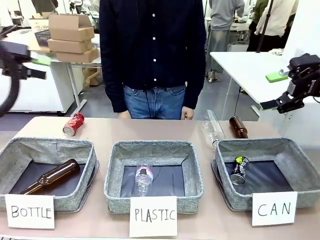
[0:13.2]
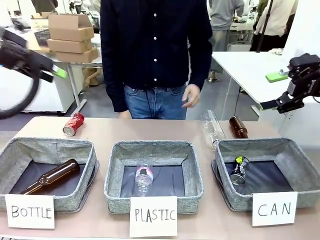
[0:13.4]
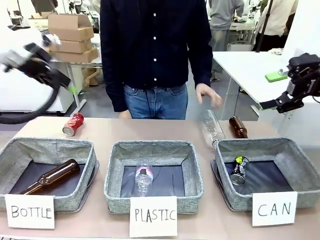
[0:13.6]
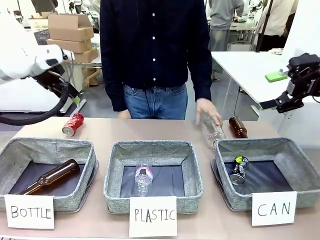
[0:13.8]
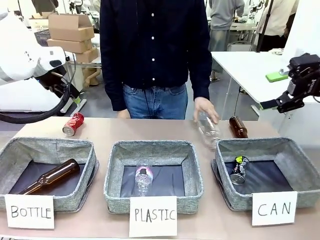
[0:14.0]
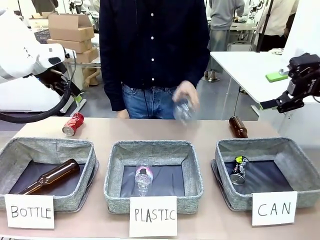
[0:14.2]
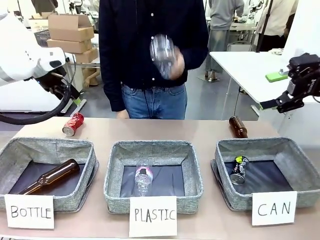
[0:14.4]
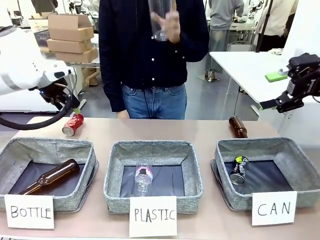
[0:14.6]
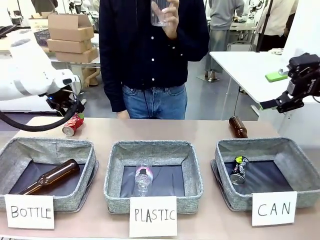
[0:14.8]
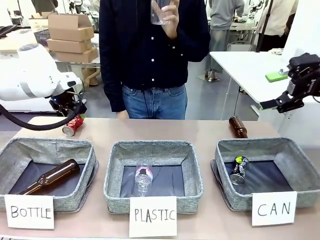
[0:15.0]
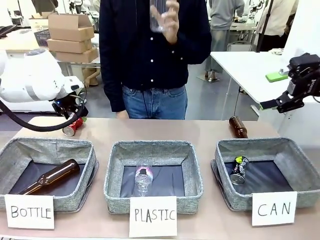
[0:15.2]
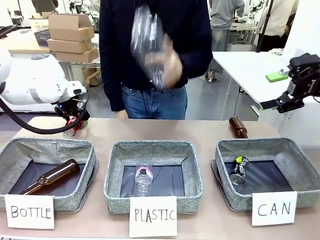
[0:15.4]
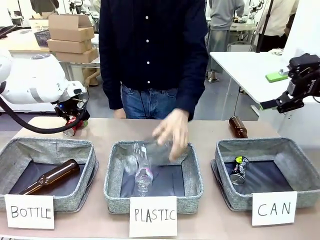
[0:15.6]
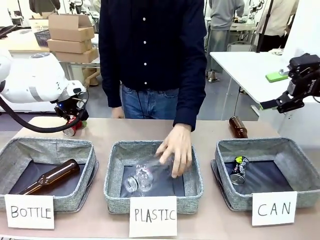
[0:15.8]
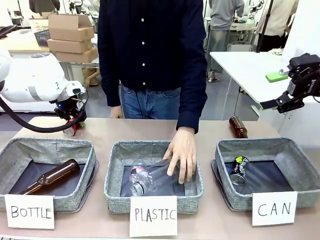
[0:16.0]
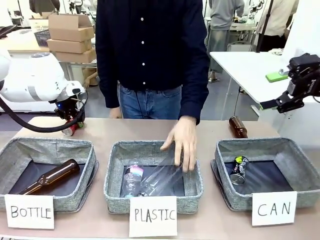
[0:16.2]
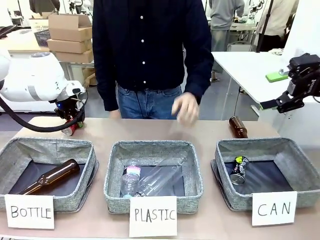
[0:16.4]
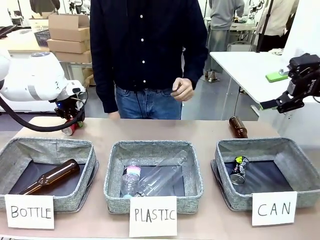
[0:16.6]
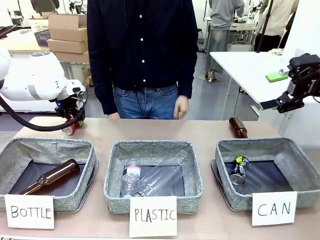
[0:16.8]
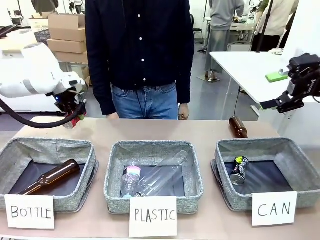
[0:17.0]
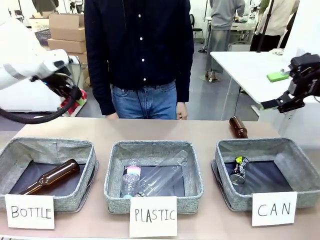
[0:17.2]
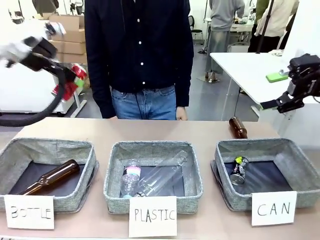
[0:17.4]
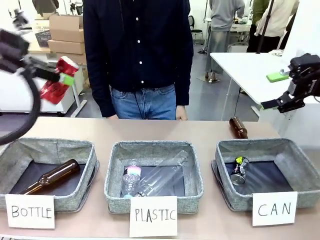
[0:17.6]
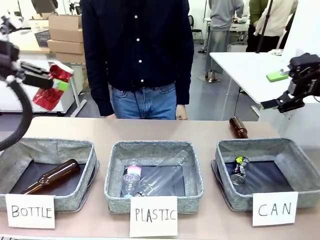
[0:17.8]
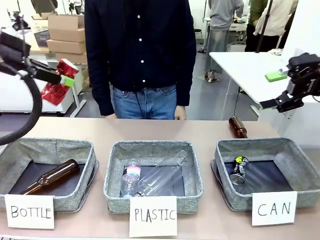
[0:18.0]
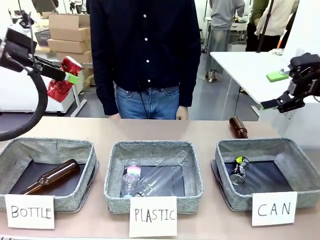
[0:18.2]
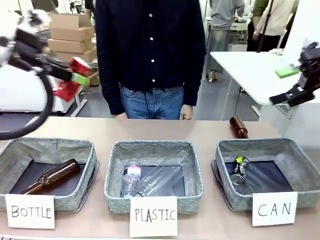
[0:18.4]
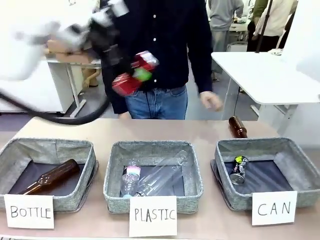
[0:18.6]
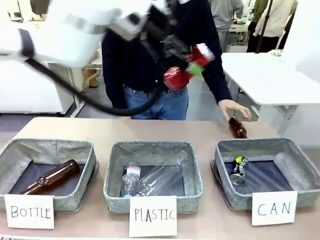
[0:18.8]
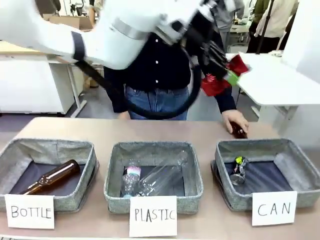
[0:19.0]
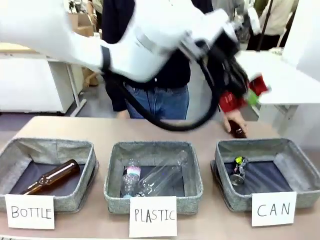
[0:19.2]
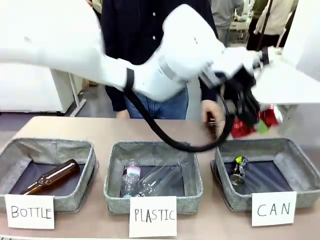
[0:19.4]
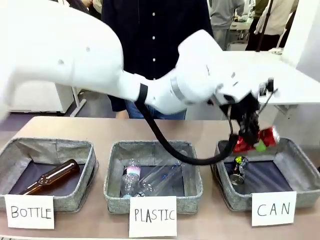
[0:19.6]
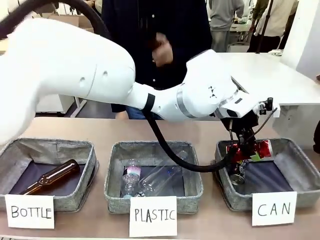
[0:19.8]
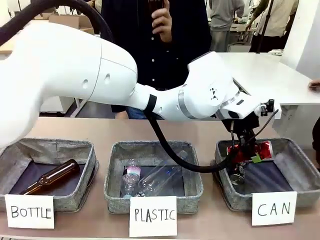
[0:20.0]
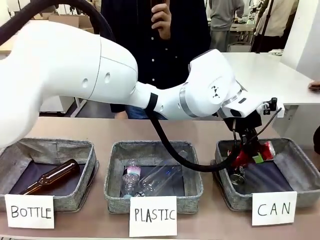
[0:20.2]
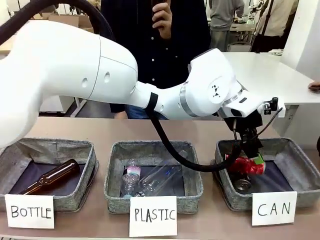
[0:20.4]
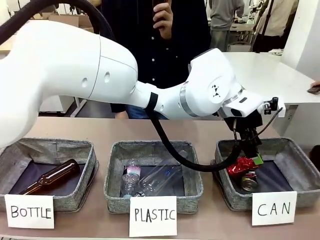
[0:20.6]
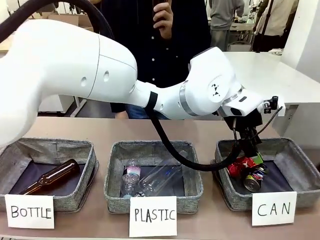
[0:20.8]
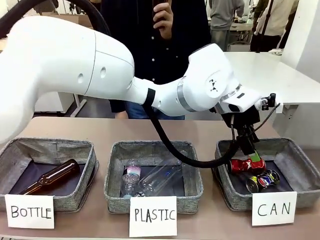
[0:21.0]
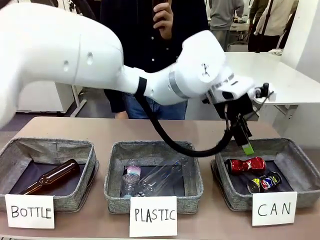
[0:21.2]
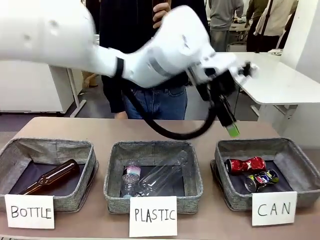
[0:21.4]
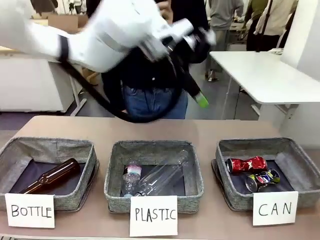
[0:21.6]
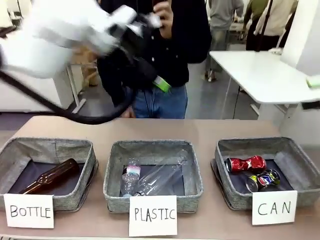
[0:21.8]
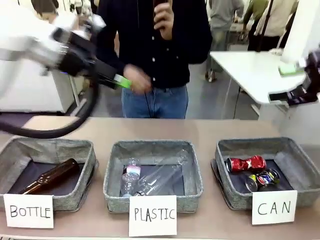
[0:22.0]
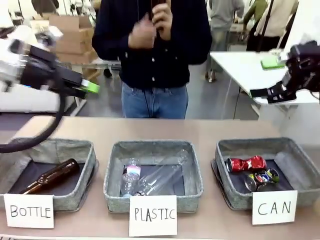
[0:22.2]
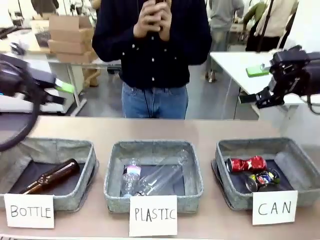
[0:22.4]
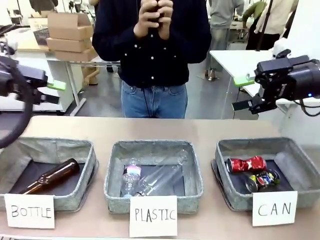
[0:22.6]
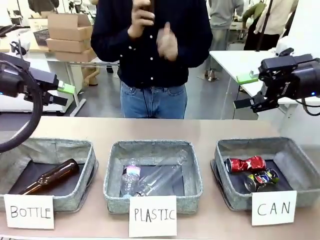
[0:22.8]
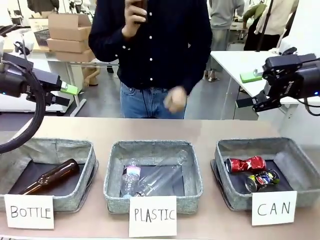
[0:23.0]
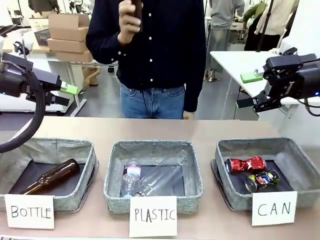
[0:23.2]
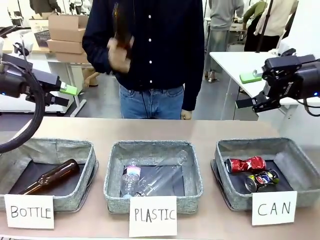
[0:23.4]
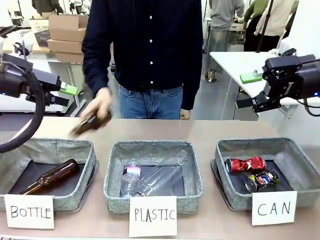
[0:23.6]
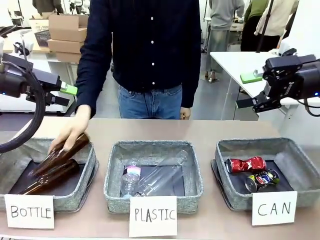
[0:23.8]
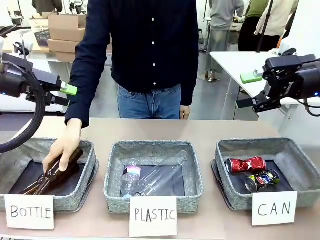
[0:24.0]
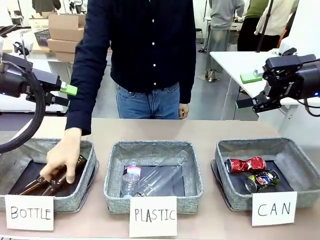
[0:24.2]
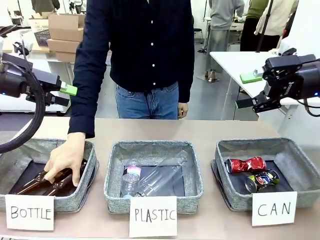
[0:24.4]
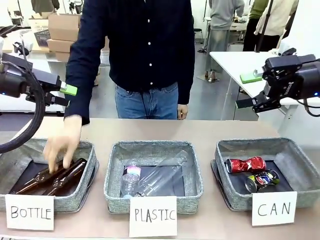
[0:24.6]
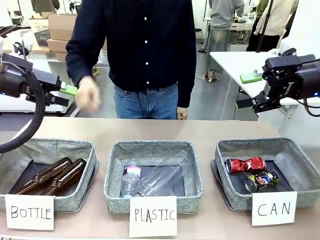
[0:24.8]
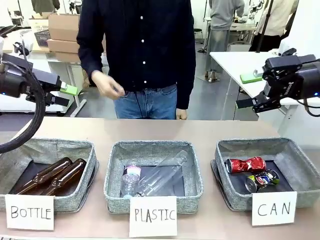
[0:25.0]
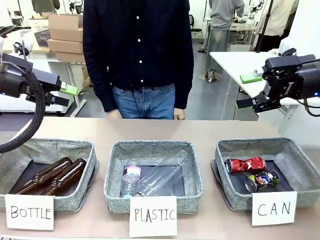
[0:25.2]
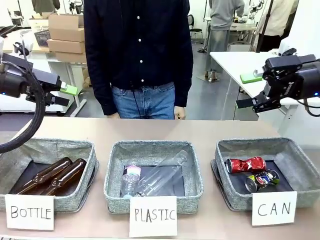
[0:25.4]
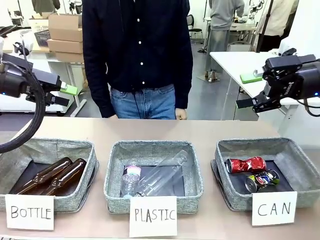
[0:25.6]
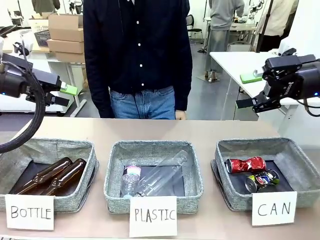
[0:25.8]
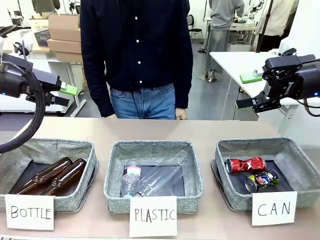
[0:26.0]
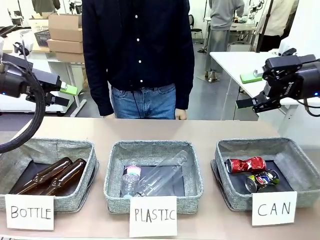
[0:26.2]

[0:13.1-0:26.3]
Task: Sort the can waste into the basket.
Robot: Pick up the can waste from the table and place it in the right Fabric basket.
Person: The human picks up one piece of trash that is not a can and places the trash into the appropriate organizing basket.
